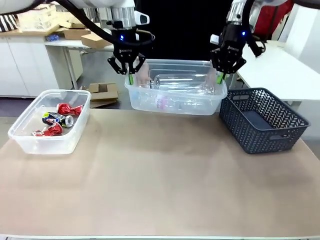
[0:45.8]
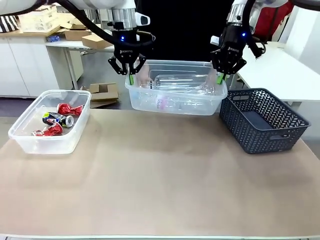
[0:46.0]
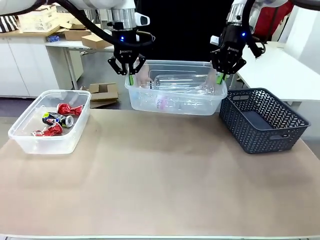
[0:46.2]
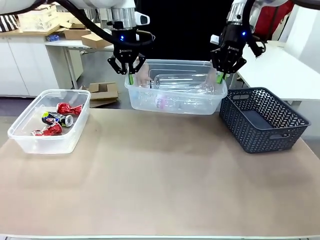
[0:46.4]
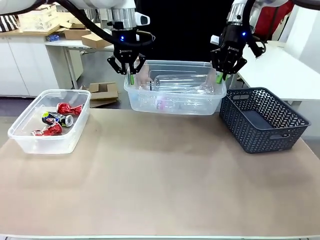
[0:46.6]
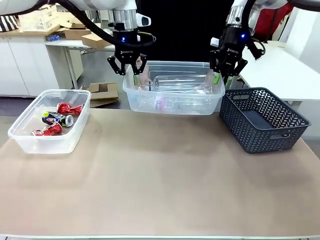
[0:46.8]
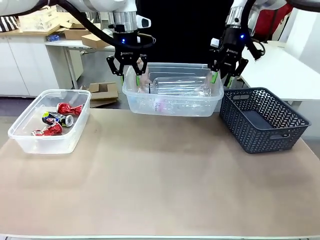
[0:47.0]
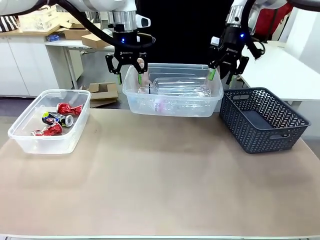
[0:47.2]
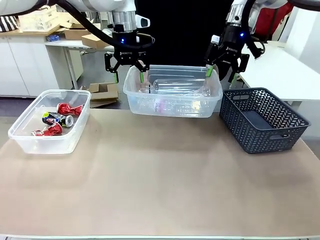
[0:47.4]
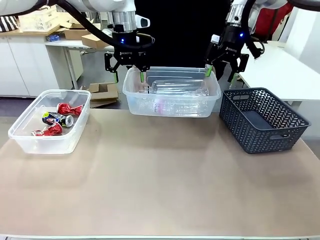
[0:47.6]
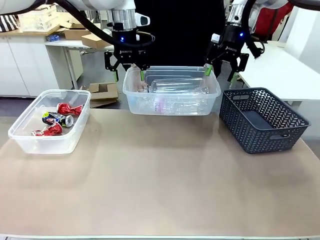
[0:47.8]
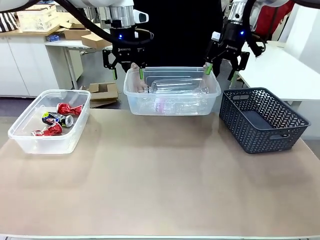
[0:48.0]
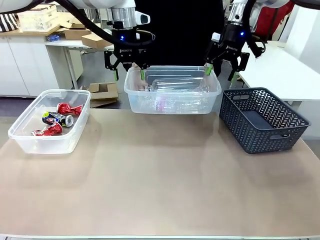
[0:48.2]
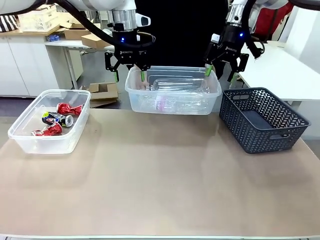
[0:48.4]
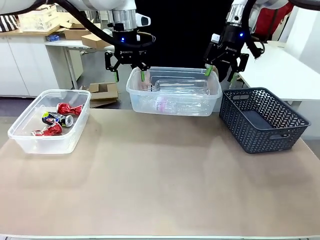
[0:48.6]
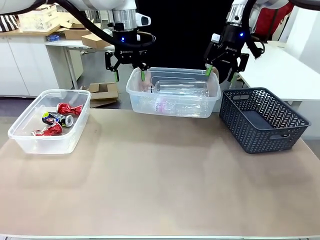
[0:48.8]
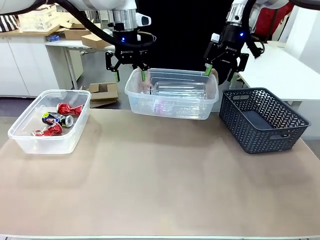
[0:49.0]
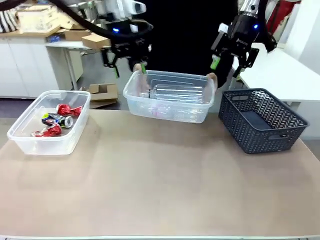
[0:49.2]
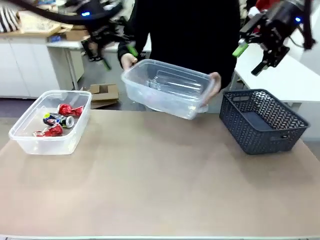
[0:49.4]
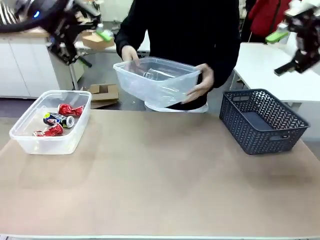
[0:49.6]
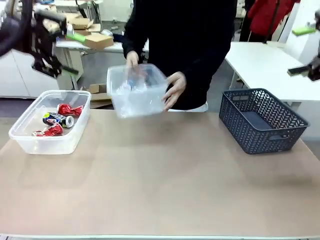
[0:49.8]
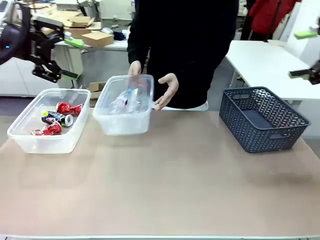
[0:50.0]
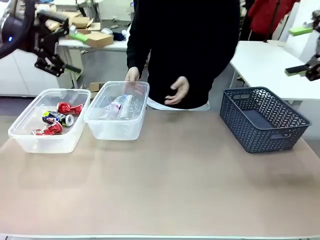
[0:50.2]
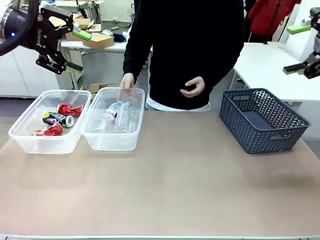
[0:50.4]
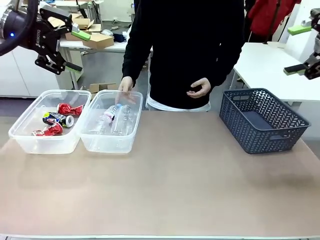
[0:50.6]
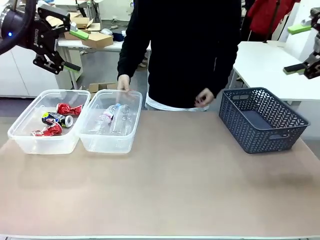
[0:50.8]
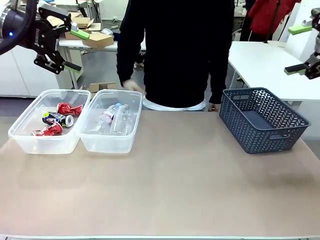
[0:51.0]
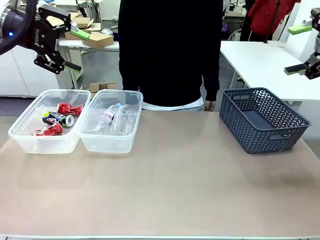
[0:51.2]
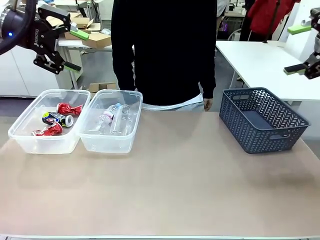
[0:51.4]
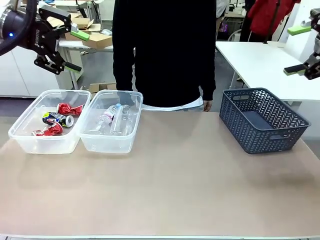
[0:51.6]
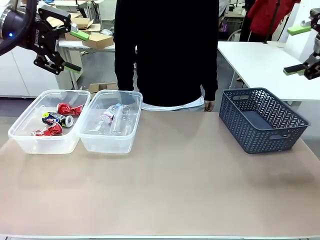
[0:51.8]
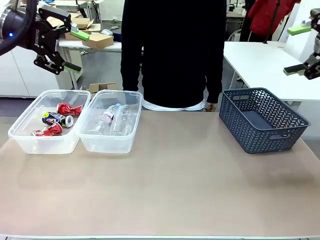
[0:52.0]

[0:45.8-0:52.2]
Robot: Release the Organizing box you were holding.
Person: Place the organizing box to the left of the sorting box containing the can waste.
